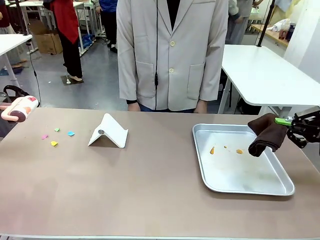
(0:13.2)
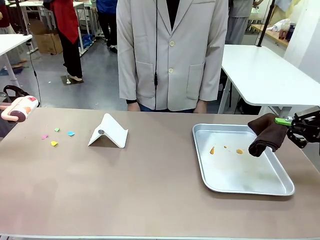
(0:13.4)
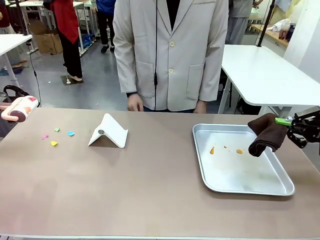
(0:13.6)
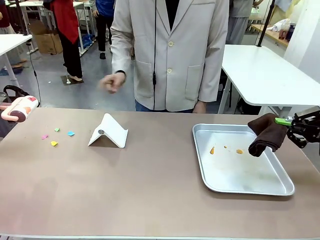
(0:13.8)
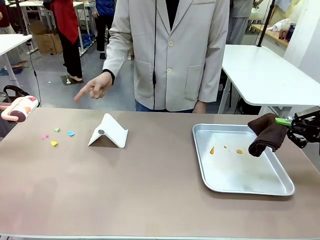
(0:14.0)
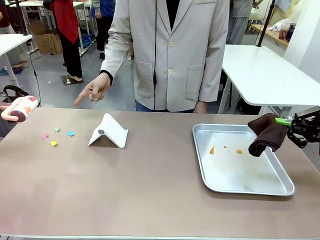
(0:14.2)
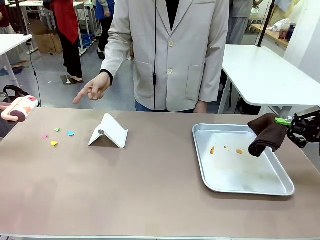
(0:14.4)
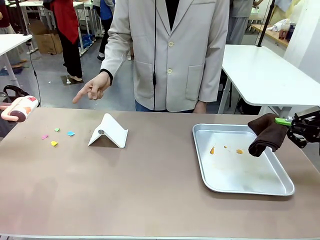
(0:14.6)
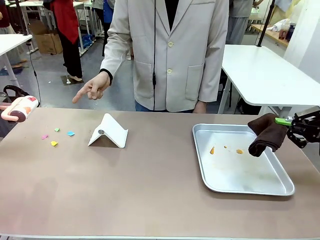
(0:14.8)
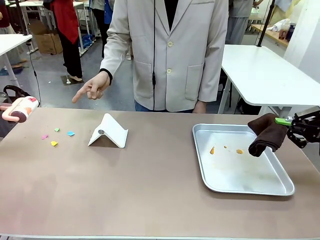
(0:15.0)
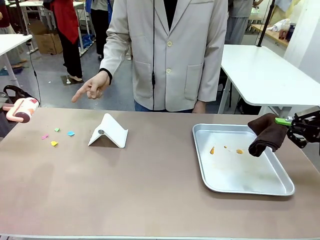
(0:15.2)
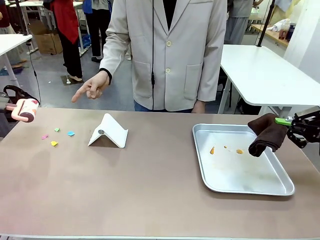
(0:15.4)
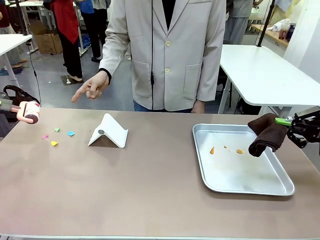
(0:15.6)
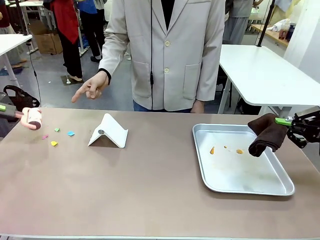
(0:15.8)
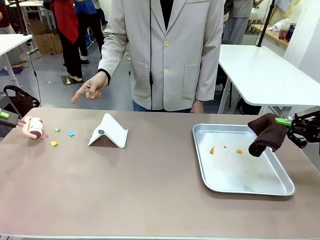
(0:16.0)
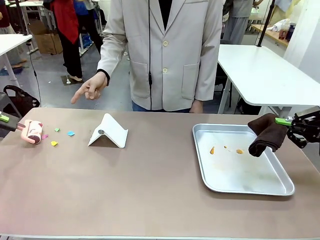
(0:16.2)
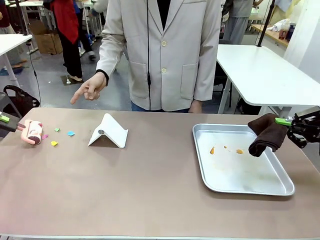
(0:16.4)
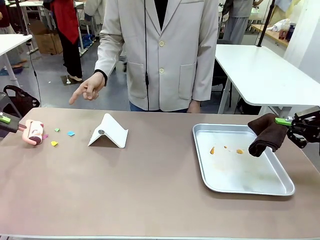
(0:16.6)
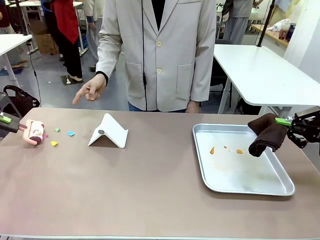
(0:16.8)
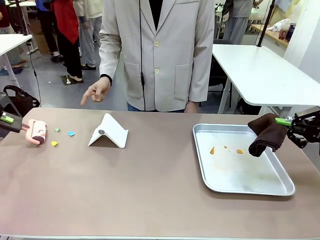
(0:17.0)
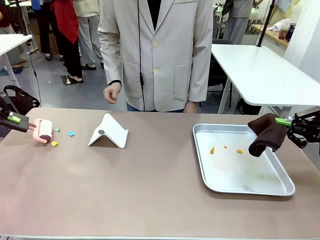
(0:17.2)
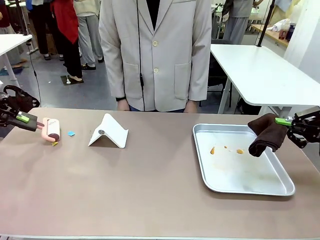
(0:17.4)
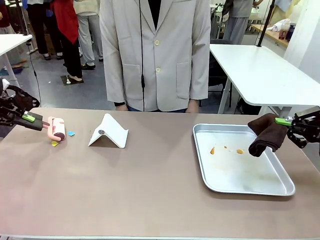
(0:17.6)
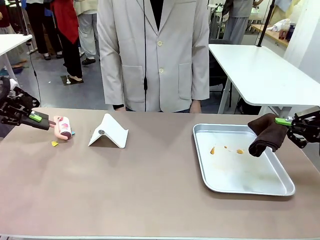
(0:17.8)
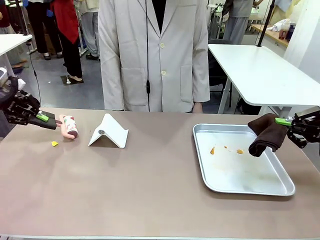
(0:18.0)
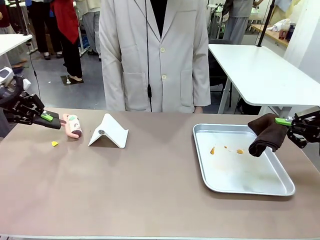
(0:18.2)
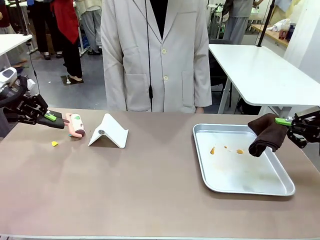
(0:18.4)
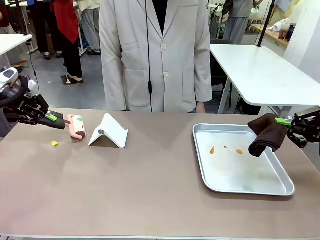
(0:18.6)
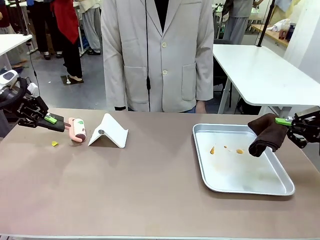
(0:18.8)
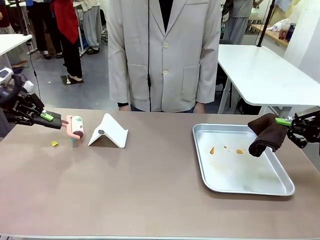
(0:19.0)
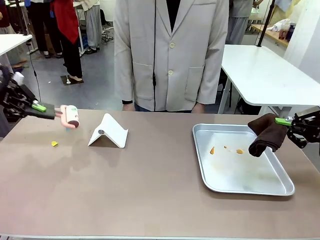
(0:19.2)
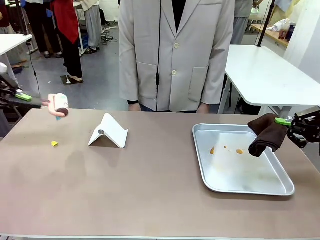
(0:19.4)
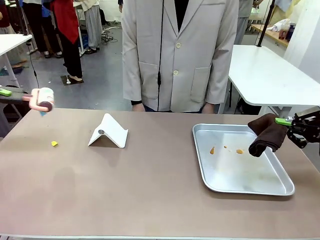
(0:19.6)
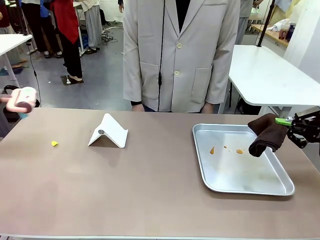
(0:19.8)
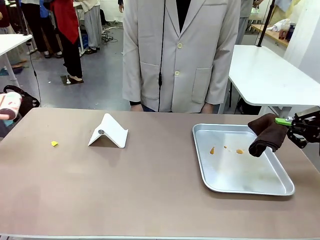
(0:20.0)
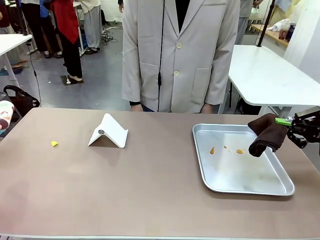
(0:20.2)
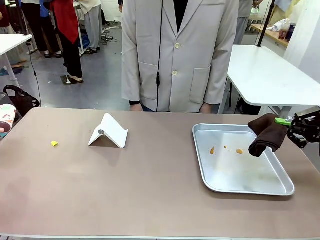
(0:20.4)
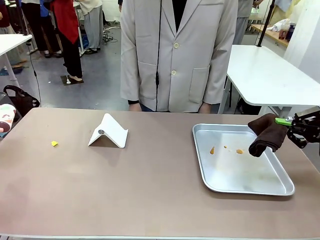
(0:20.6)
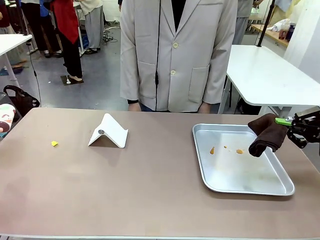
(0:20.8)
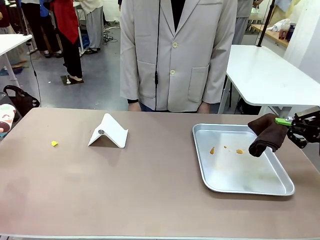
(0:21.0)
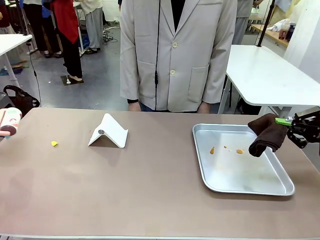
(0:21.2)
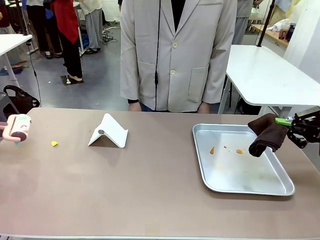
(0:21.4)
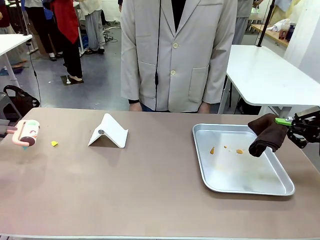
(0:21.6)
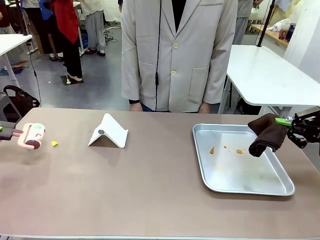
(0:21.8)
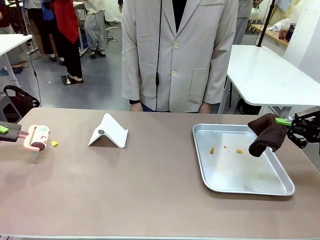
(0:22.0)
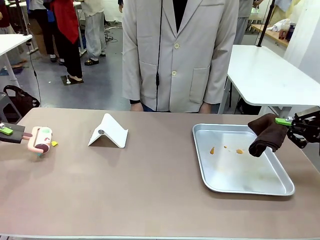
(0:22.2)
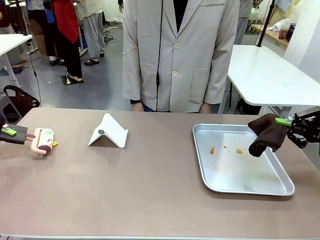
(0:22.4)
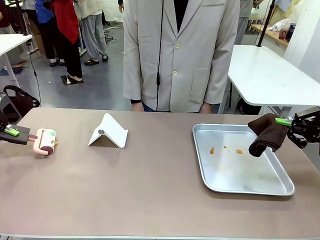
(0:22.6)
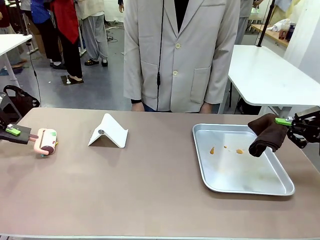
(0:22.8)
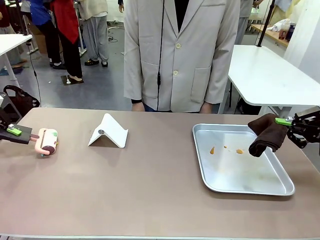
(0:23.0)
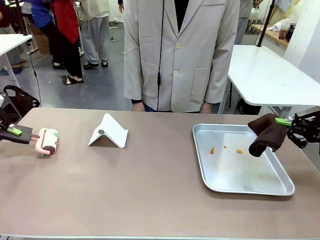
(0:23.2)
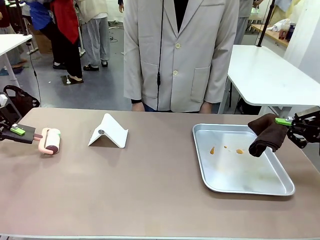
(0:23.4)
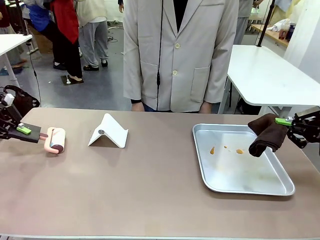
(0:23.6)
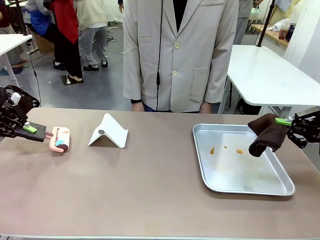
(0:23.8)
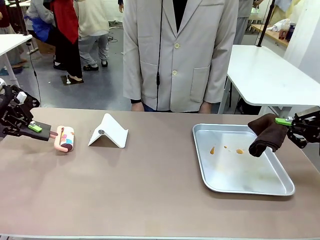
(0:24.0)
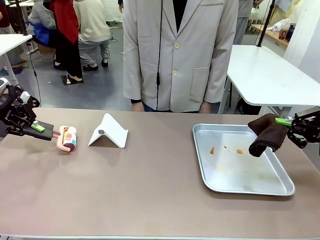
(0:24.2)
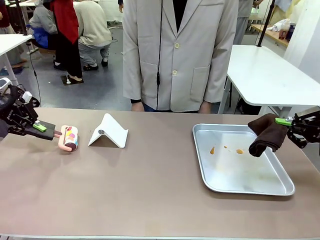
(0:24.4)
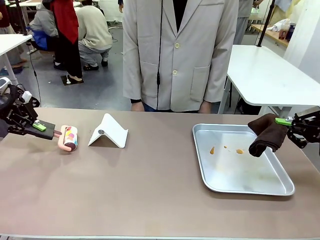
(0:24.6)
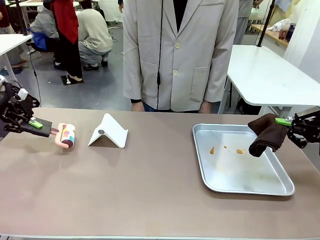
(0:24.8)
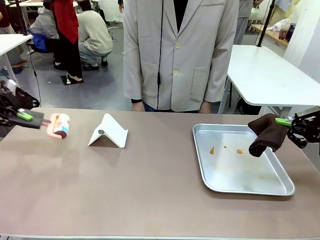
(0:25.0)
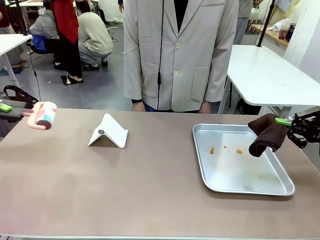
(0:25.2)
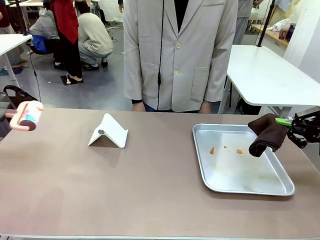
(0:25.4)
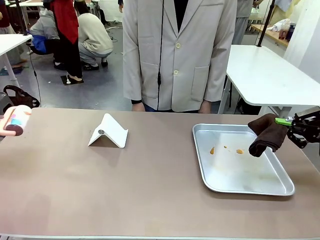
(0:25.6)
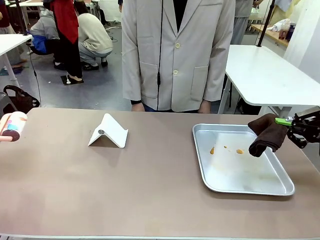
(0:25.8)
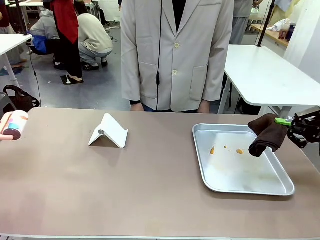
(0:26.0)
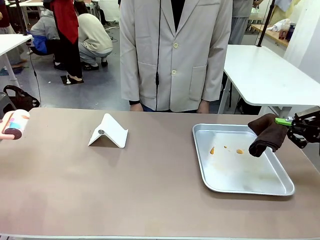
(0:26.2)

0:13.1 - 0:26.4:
Task: Clean the surface of the table.
Robot: If a person points to the right, clean the right side of the table with your right hand, and if they point to the left, clean the left side with your left hand.
